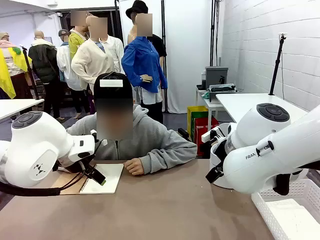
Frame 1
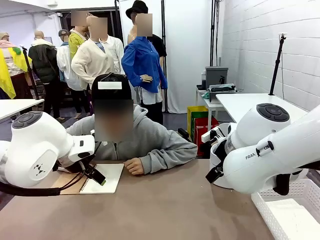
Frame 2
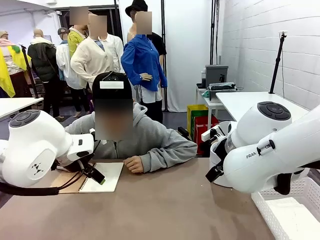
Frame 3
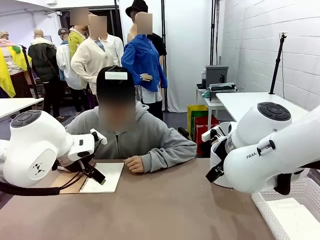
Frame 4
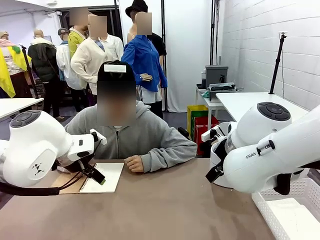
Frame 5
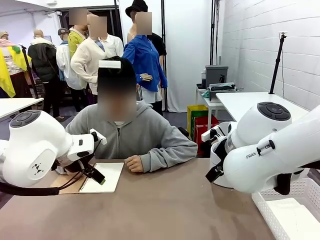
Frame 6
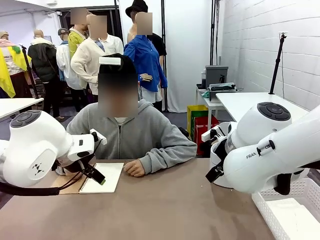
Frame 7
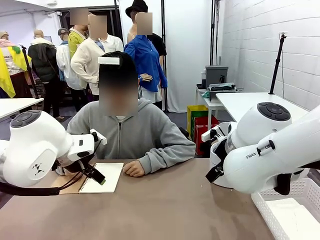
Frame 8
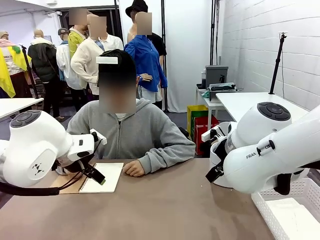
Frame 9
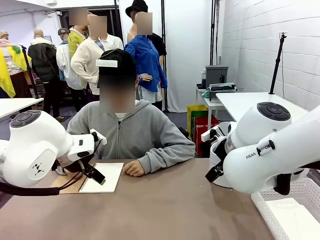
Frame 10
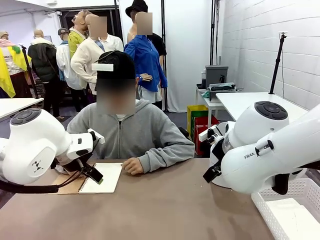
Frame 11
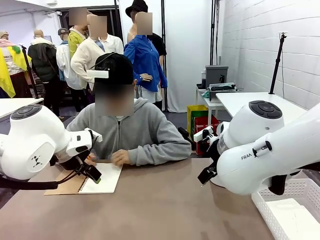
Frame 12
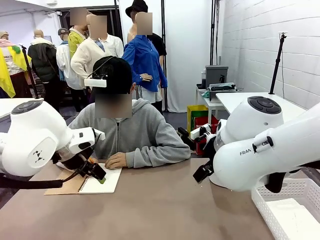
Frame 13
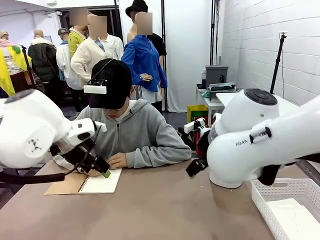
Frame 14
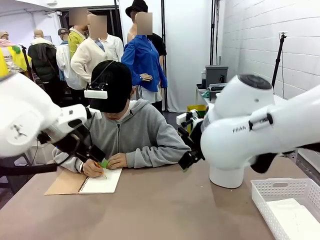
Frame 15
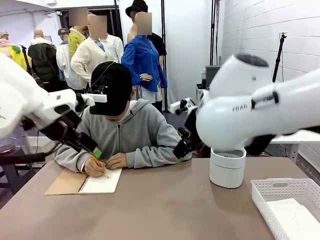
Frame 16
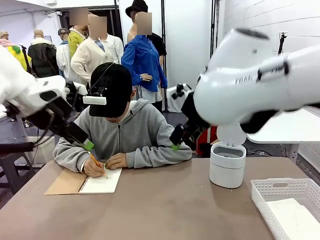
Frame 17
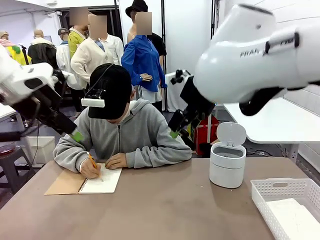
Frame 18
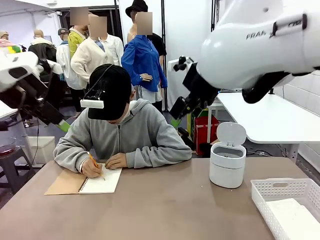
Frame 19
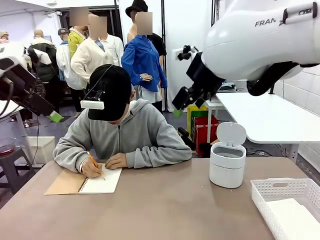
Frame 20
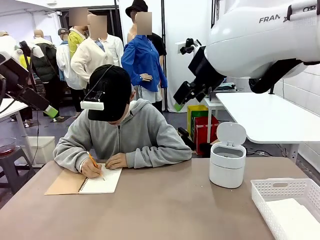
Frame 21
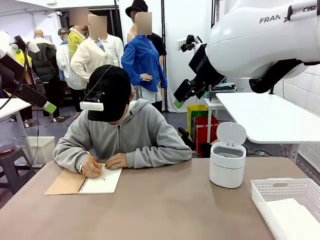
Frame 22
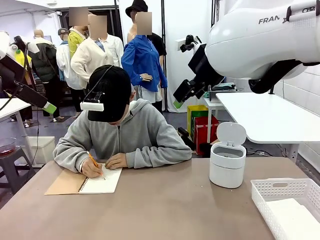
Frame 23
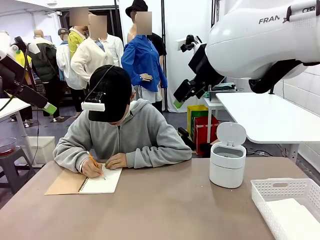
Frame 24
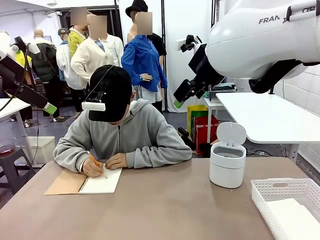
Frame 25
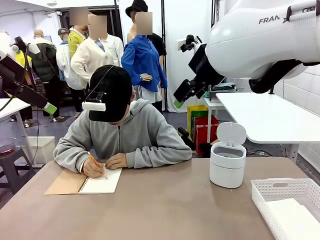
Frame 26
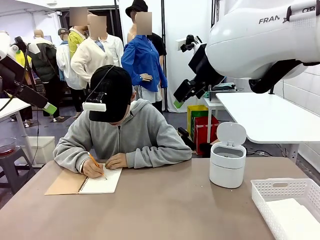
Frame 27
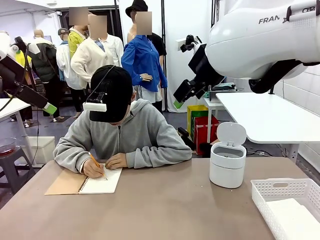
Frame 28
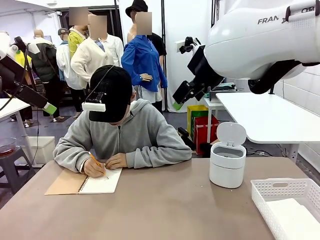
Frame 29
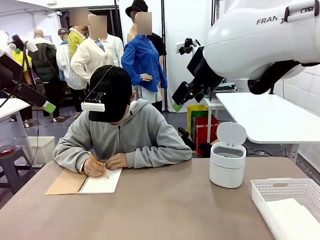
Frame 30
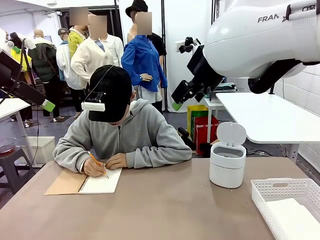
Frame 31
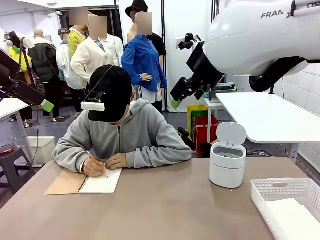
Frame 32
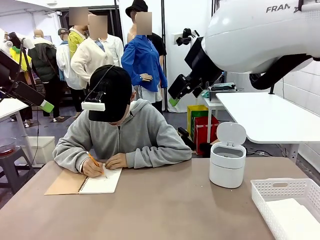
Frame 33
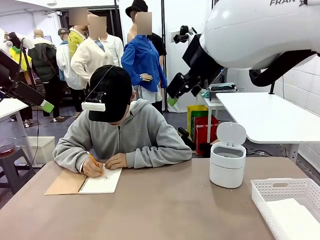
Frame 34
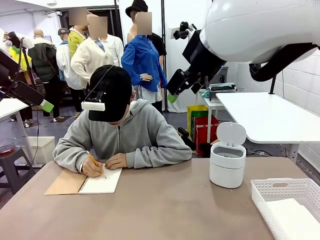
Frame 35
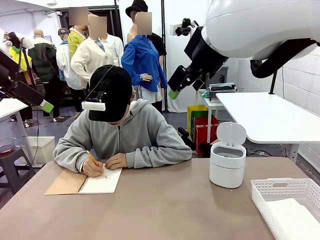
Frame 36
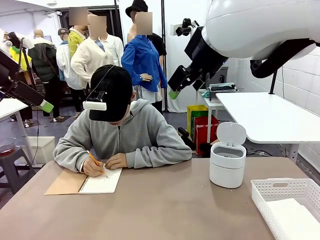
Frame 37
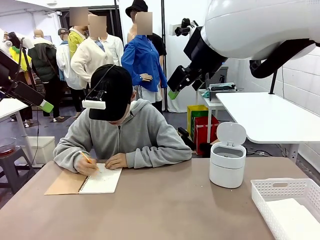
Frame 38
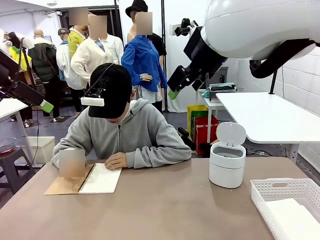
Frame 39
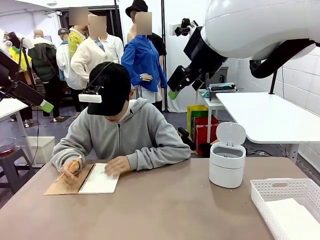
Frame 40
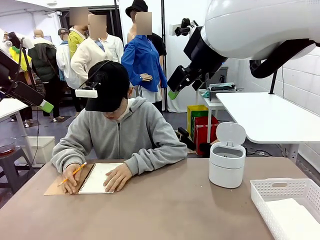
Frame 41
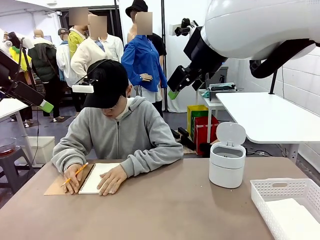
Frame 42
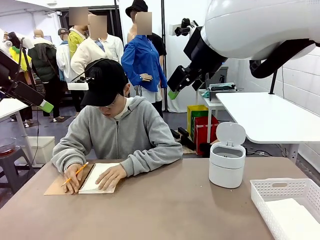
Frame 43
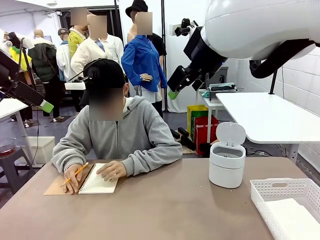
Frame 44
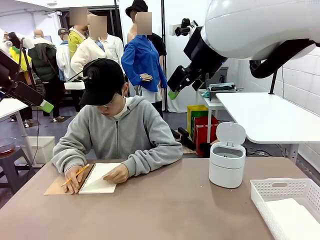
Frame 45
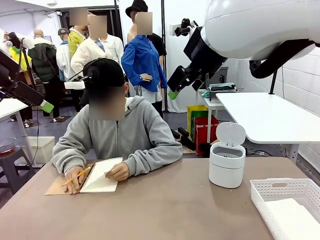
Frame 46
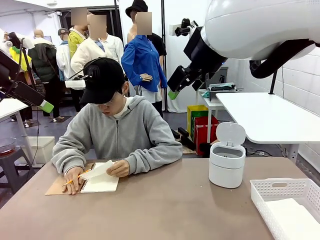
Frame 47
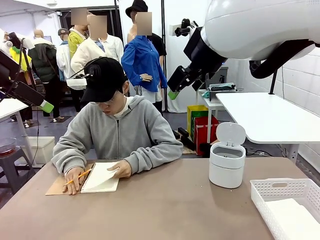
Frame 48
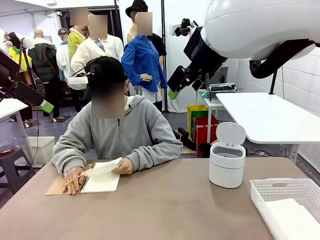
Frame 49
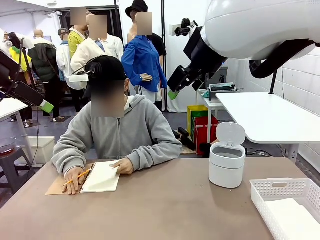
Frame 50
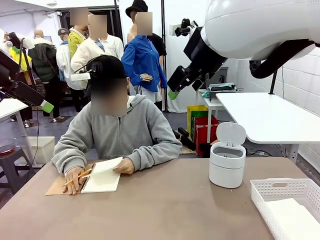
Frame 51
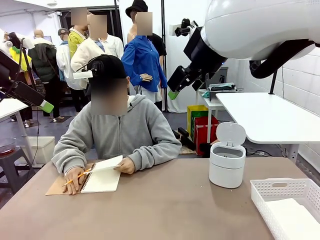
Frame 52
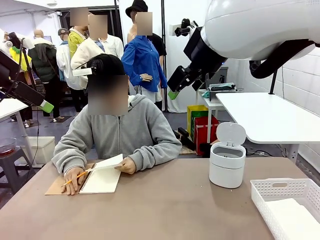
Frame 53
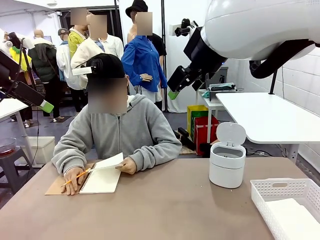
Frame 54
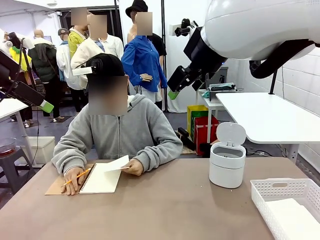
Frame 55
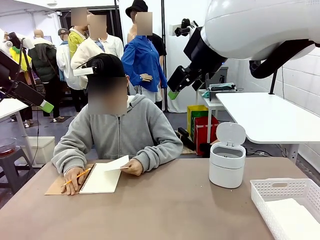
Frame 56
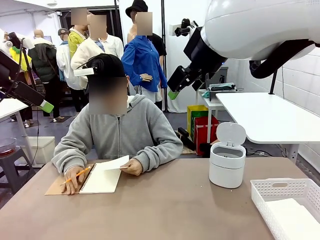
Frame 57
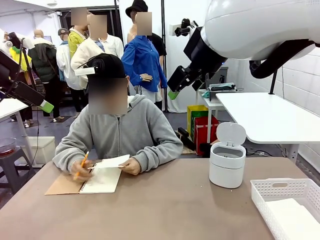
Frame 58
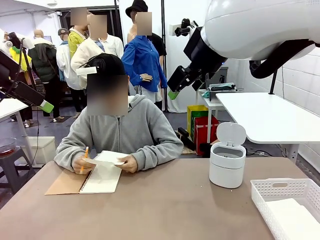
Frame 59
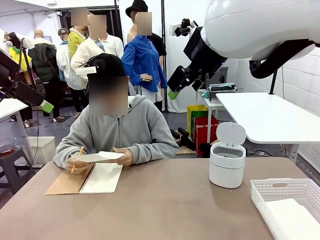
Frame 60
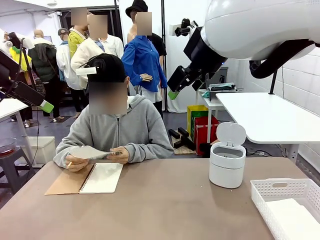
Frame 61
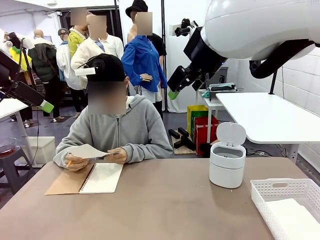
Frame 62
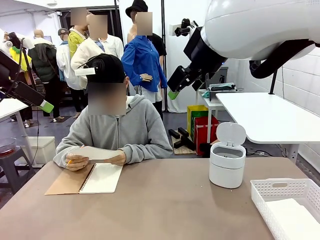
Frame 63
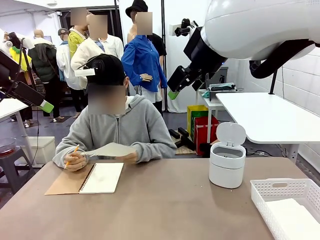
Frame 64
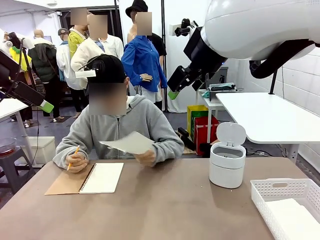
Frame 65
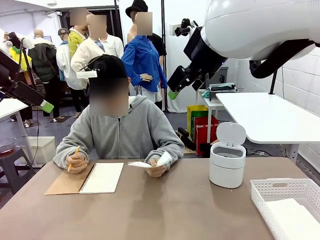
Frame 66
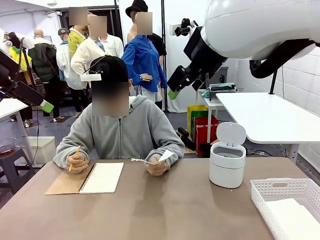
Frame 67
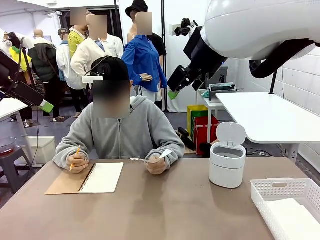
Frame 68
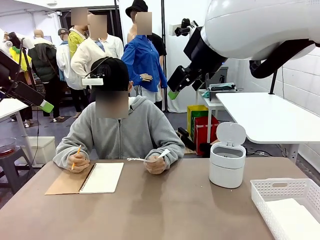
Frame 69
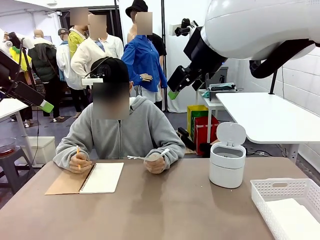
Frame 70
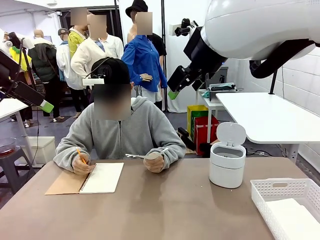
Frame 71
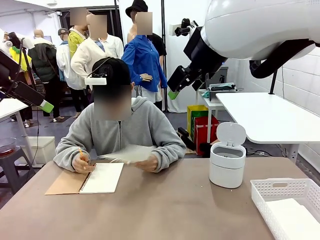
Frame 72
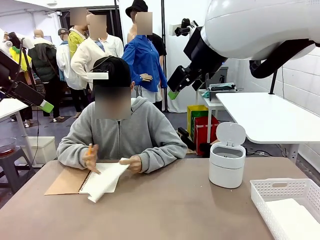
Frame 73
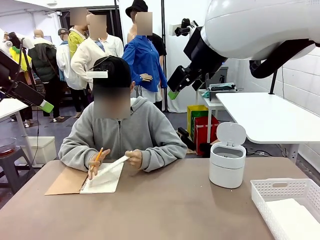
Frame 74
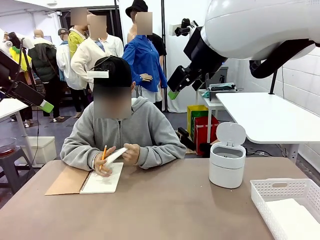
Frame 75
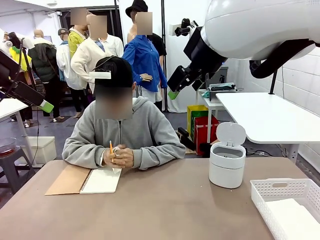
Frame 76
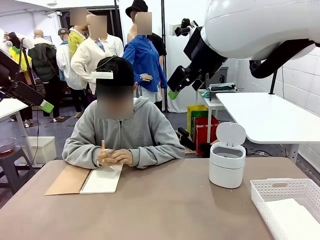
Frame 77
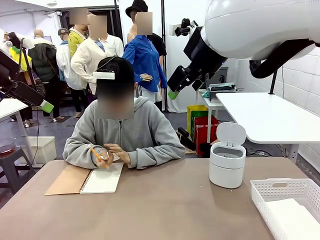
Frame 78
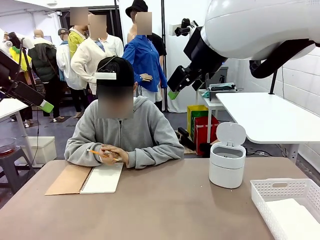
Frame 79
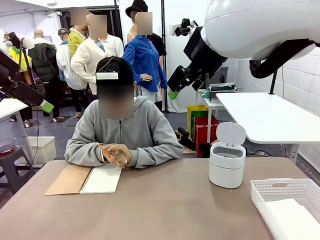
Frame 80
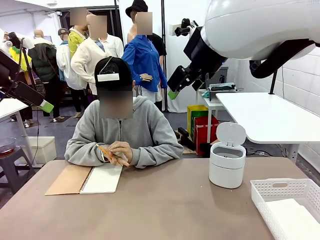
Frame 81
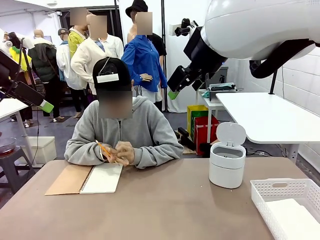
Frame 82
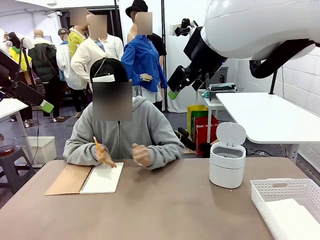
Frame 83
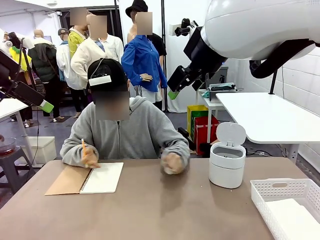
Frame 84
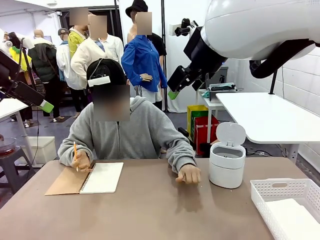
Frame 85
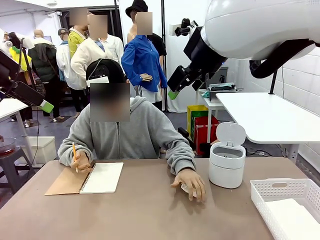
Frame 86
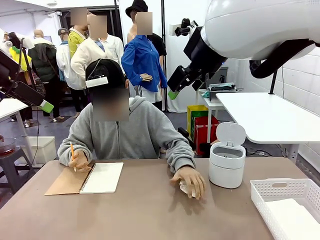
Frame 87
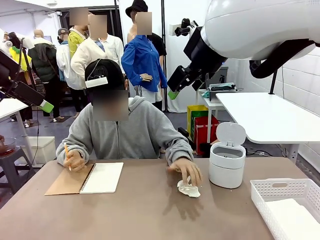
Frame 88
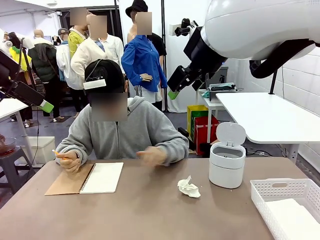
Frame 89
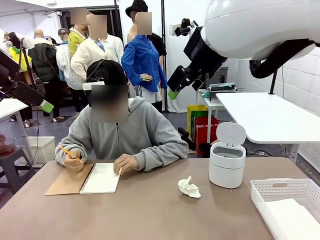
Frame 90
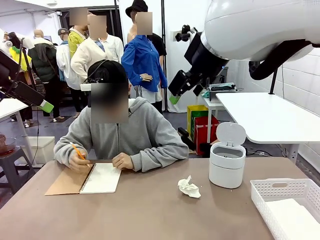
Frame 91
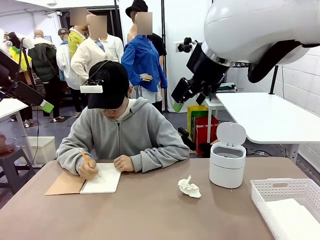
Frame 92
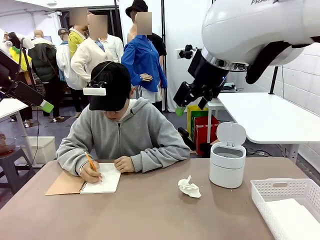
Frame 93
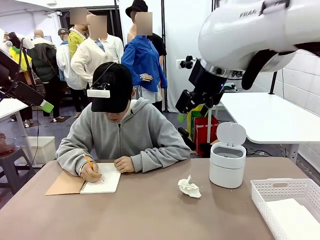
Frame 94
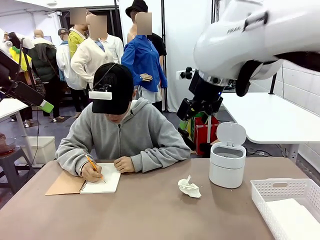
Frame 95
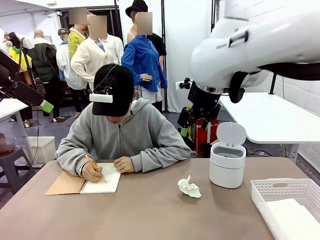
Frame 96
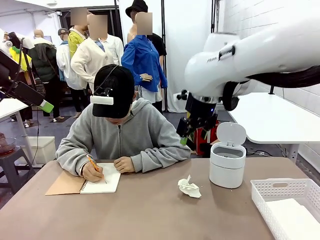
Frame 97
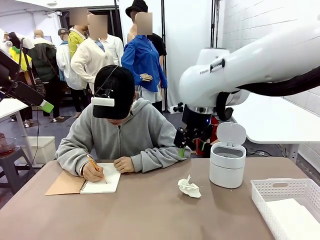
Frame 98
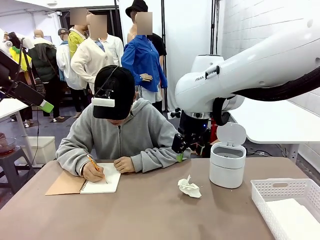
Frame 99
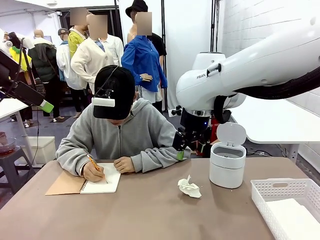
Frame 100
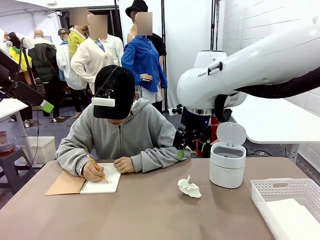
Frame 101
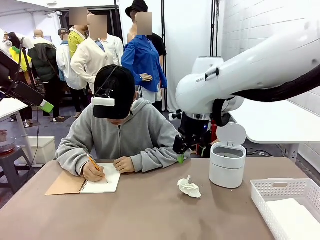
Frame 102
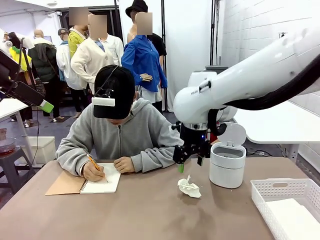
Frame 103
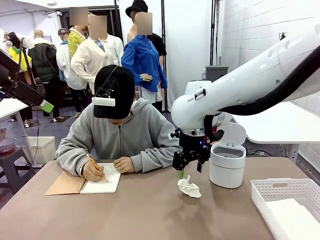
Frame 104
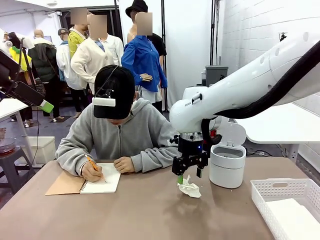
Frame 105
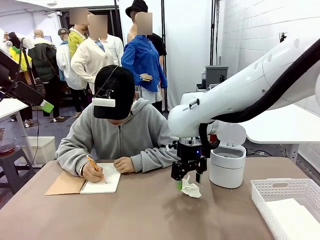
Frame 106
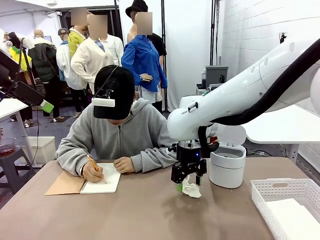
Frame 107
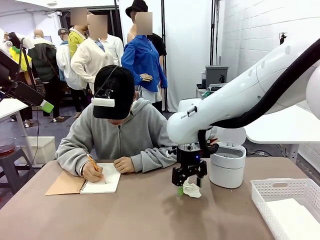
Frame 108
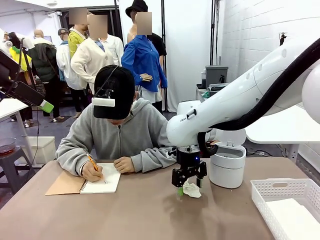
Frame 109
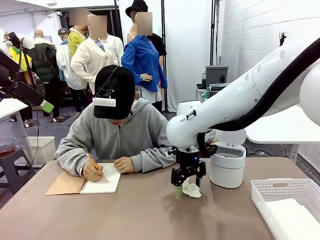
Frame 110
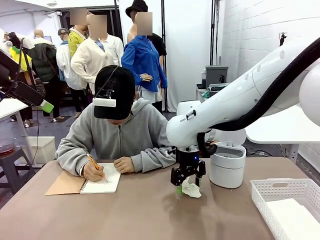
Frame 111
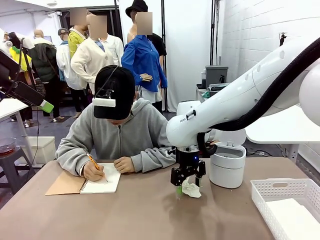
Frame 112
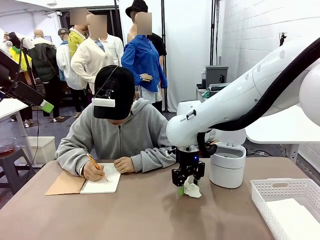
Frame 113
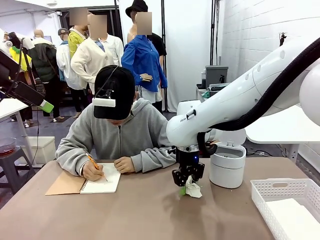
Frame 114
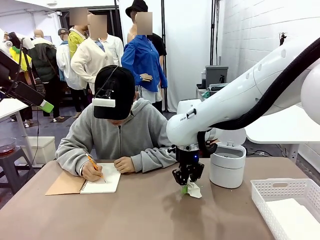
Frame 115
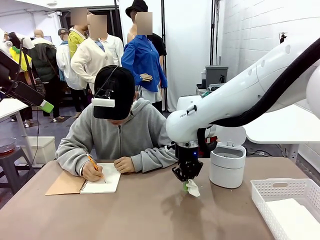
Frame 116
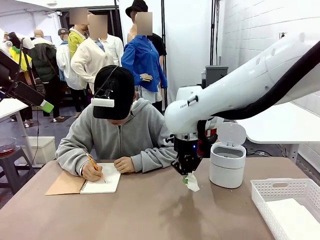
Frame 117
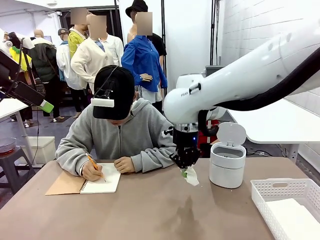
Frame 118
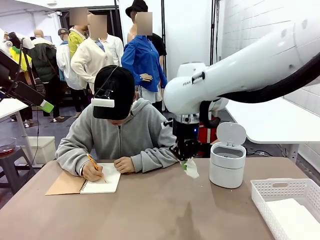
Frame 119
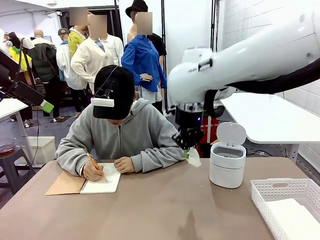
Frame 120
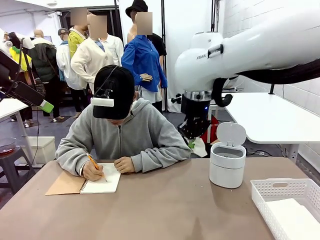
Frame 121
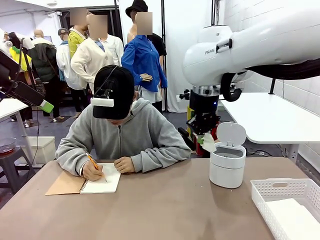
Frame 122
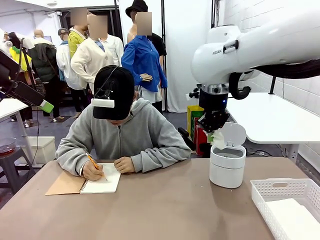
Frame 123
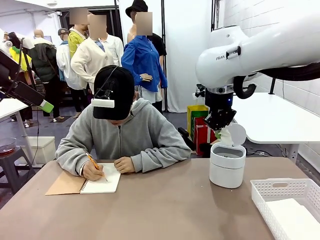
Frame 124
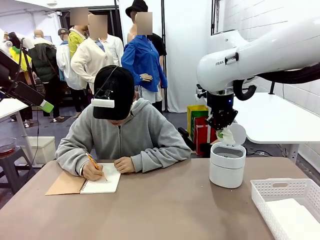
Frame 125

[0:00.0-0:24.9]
Task: Sort the paper based on its condition.
Robot: If a person hands you a paper, place it in the Organizing basket , and if it's crumpled, put it in the Trash can.
Person: Tear out a page from the spiral notebook. Hand the torn page to the robot or crumple it and throw it to the center of the table.
